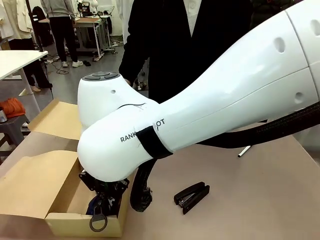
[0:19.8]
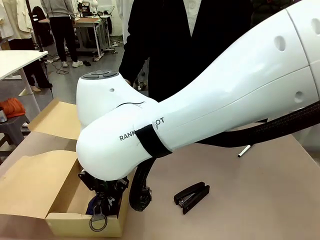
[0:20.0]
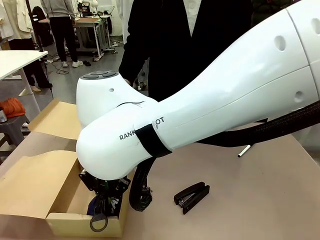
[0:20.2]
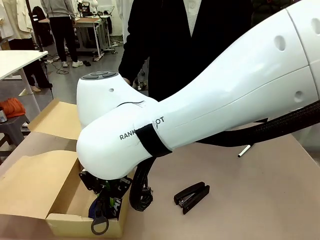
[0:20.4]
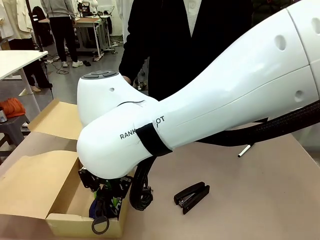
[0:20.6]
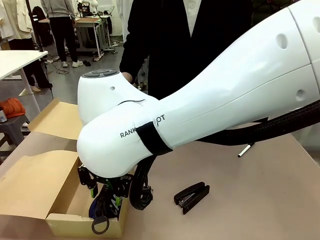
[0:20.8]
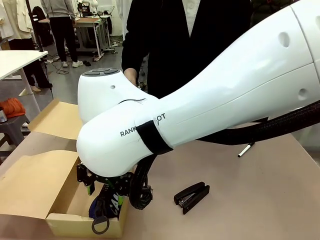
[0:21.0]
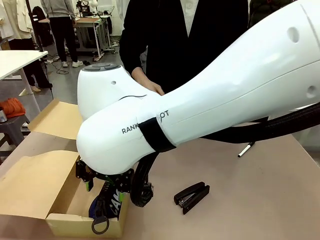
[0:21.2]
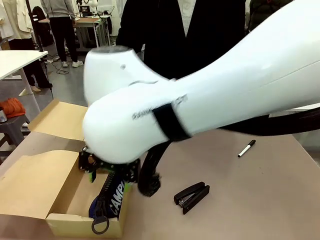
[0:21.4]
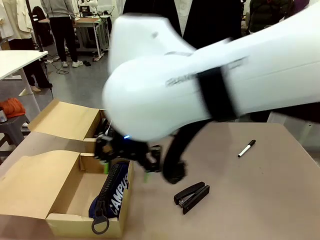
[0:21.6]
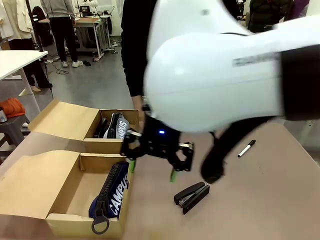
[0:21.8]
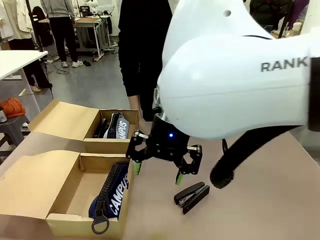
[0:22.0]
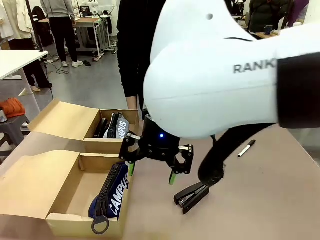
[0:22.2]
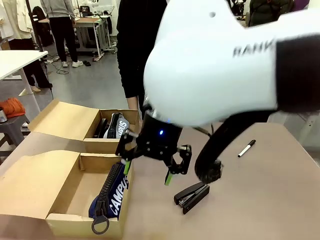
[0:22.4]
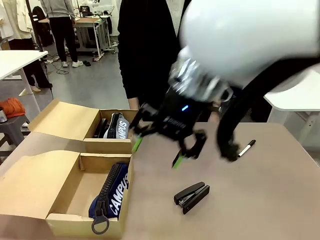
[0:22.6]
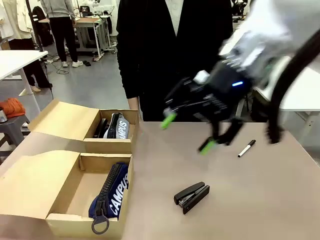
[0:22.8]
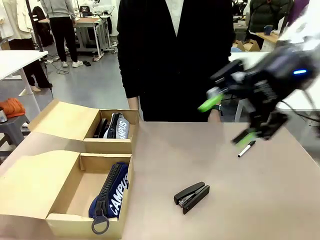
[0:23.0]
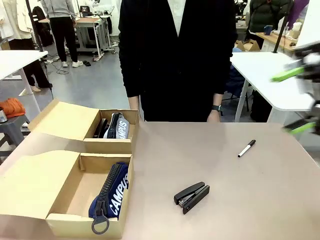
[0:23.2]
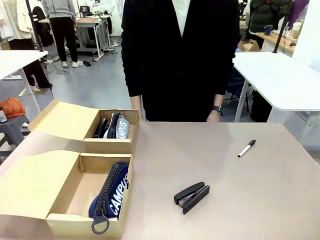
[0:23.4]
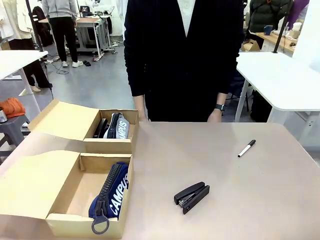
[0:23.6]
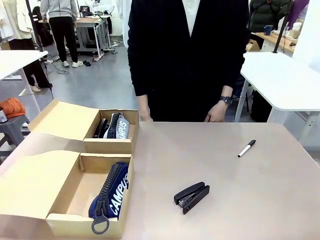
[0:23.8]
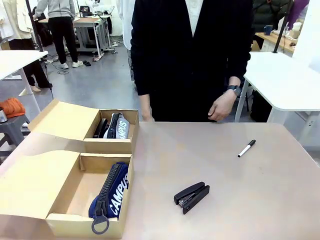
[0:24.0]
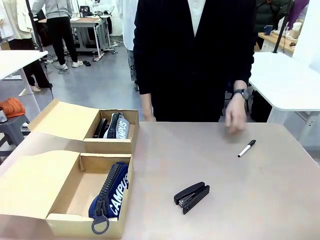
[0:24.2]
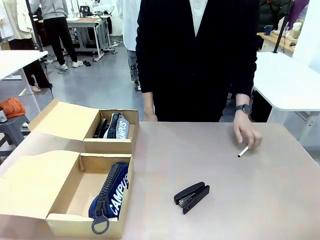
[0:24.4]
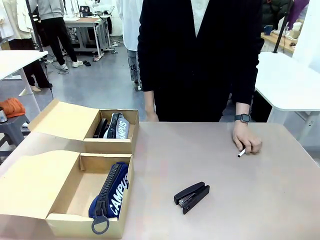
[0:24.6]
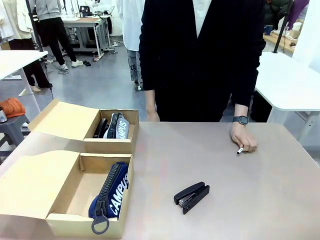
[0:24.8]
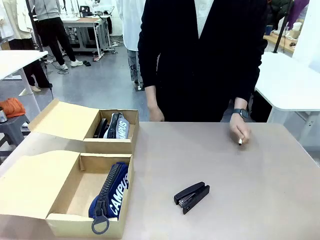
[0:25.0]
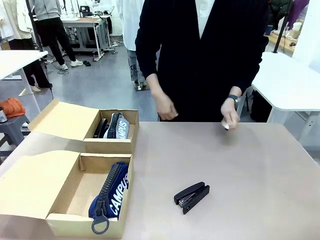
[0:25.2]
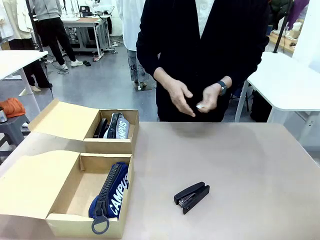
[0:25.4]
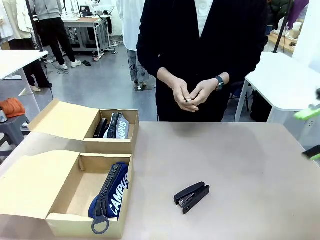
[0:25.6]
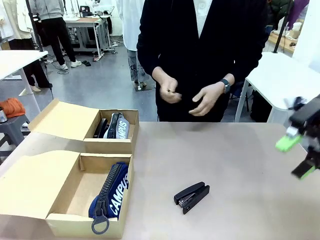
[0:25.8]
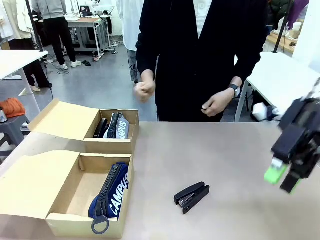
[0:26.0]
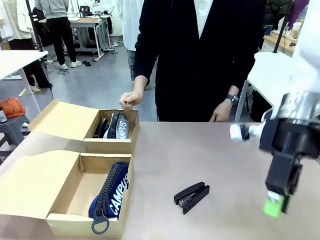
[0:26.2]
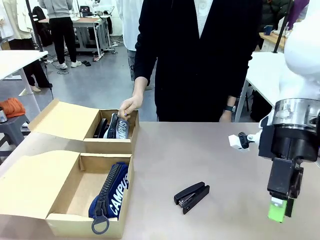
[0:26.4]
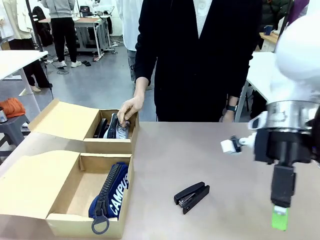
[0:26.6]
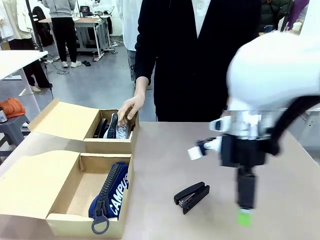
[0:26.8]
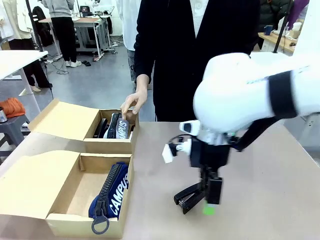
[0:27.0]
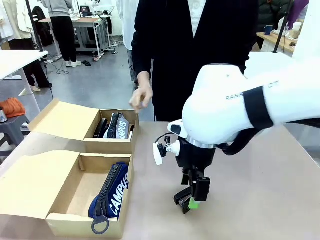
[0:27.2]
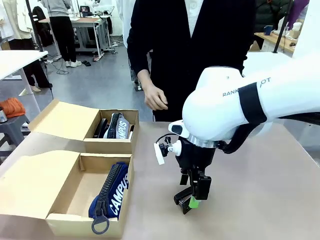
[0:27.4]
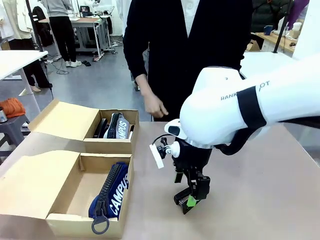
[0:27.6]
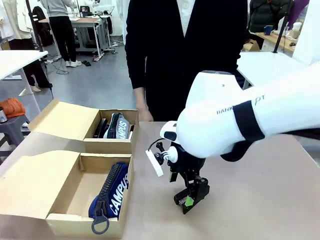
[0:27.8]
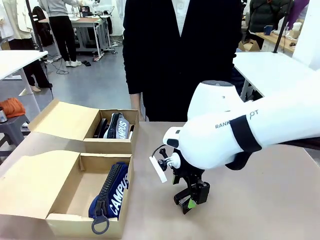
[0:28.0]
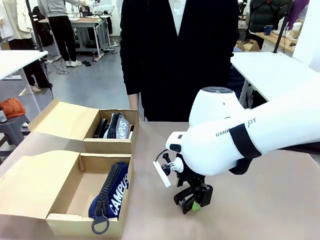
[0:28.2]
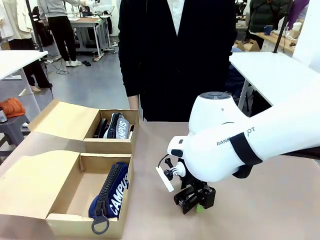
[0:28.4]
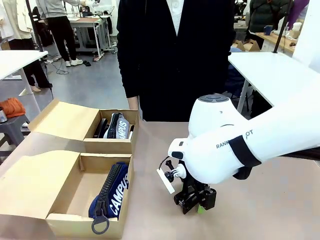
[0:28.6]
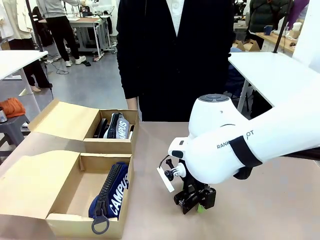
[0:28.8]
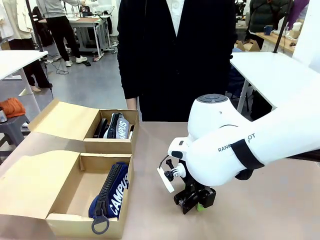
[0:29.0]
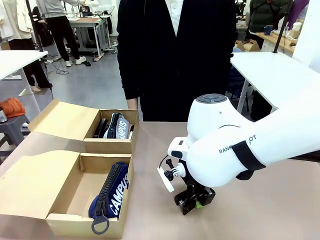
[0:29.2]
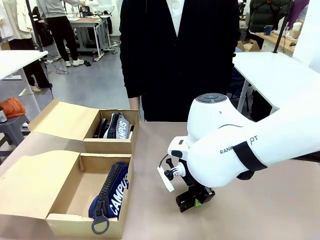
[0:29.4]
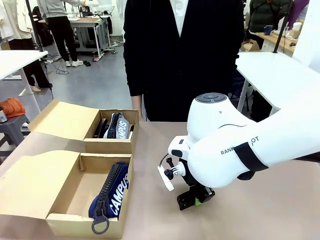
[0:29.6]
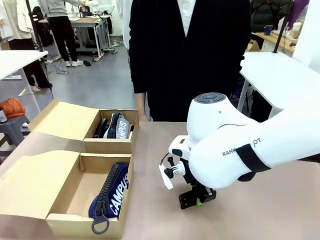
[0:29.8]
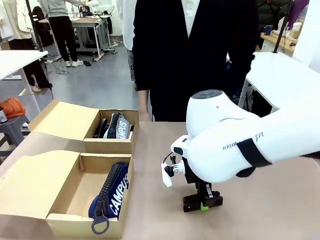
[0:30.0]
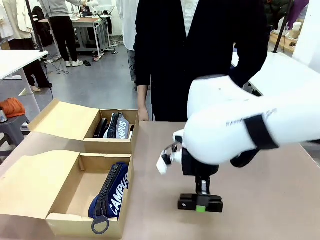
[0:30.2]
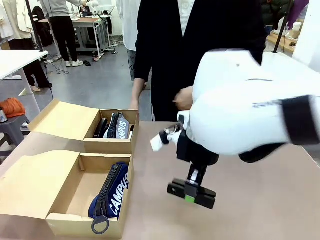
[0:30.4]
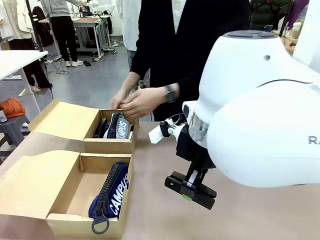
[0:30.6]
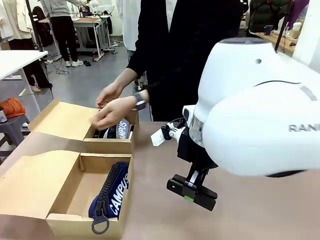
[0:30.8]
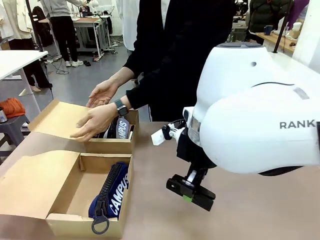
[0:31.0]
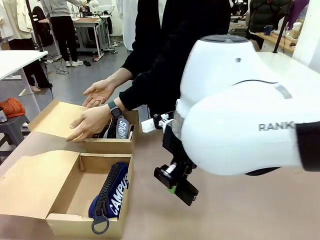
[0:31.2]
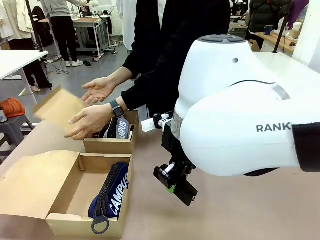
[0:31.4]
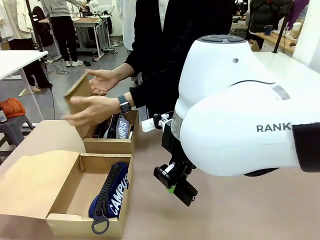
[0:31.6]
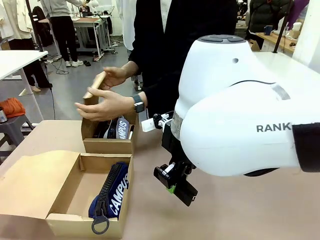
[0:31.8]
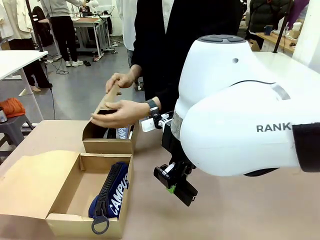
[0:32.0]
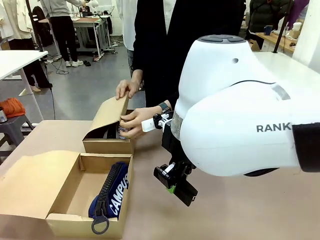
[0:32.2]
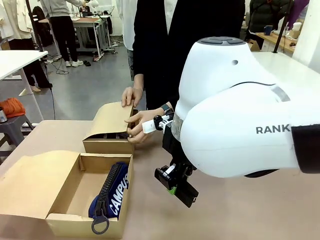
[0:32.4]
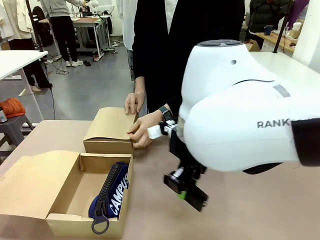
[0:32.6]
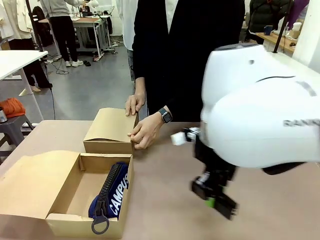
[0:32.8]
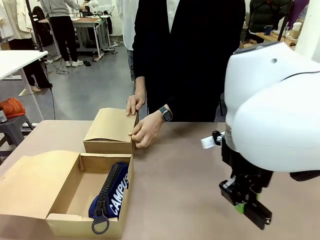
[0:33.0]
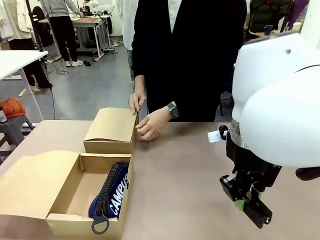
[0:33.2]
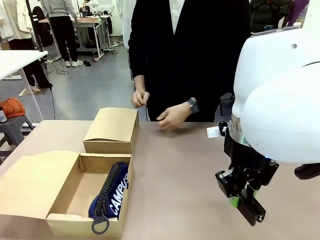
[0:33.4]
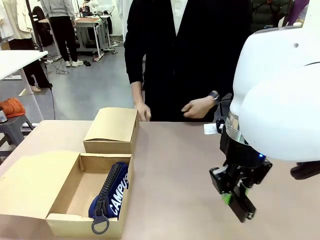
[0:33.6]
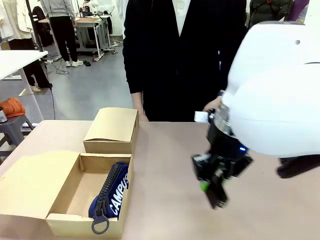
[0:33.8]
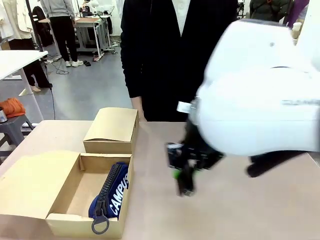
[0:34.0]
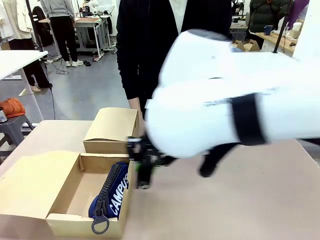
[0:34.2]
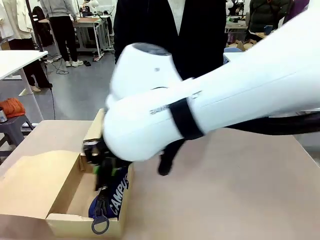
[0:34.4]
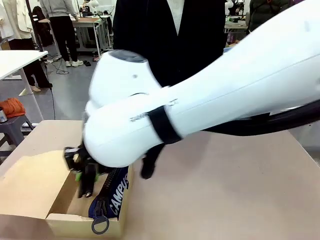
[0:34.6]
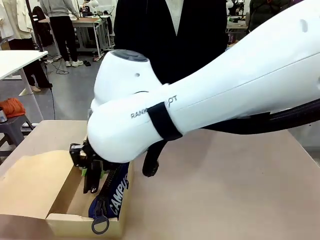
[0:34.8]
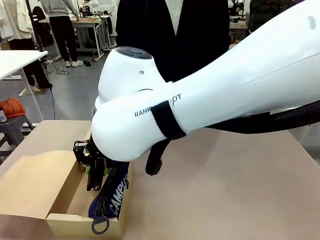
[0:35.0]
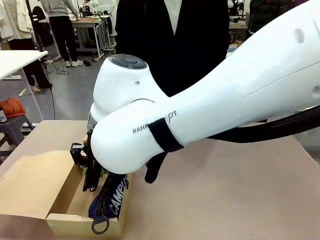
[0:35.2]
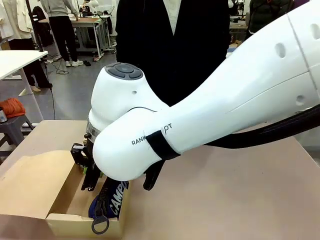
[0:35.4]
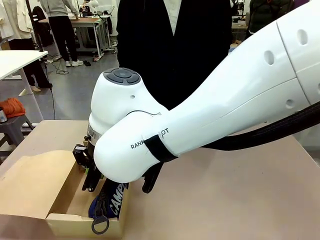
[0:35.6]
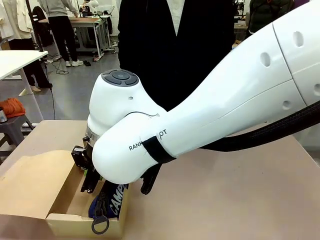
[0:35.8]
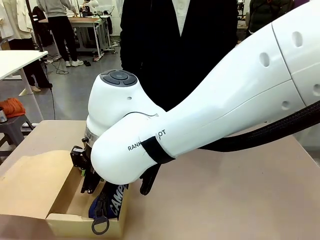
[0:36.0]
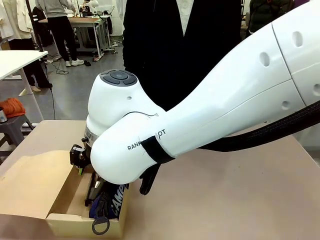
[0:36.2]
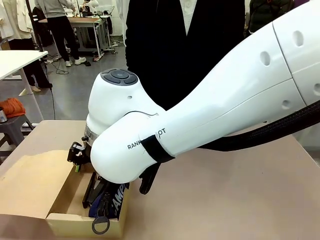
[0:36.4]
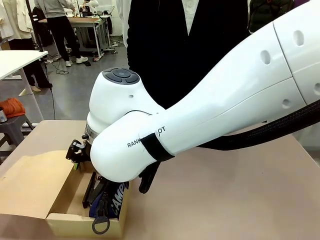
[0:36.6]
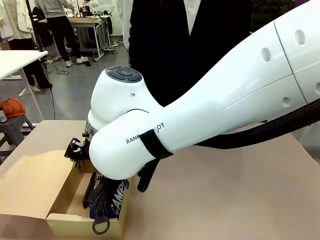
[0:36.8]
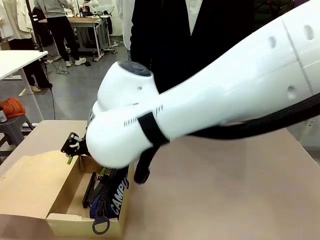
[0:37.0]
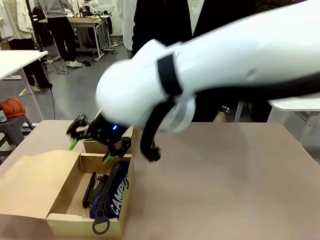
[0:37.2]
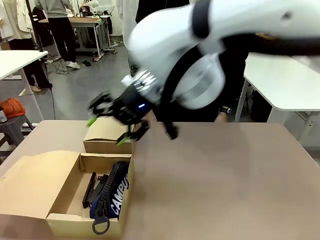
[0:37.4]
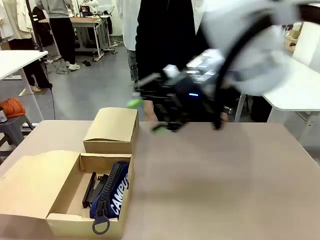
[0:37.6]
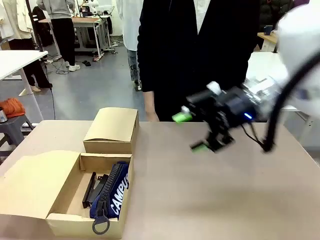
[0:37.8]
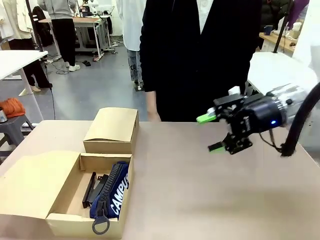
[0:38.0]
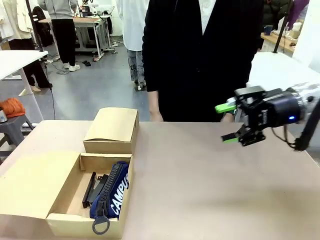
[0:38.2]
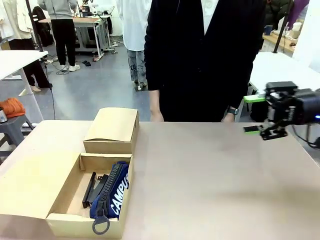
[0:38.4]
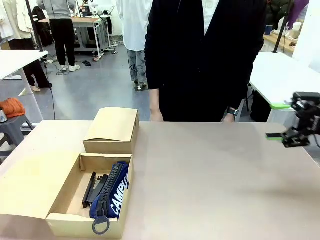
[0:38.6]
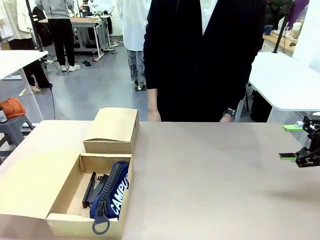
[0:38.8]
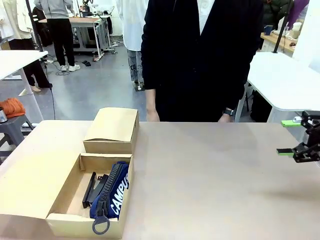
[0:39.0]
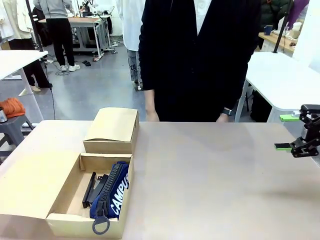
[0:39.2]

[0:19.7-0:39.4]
Task: Place items inside the box.
Robot: Pick up a Pencil pouch or Stapler and place it inside the Mailer Box closest to the robot.
Person: Close the lid of the box facing the person.
